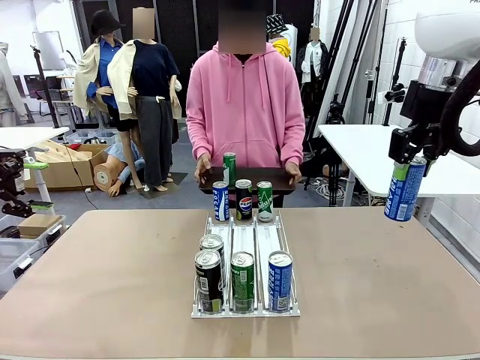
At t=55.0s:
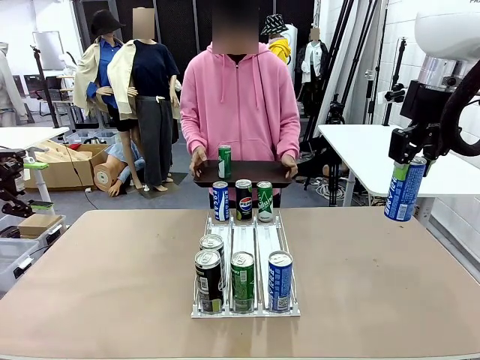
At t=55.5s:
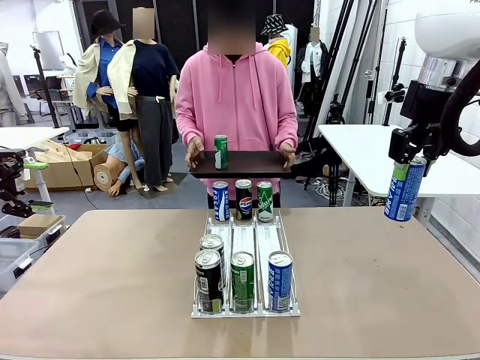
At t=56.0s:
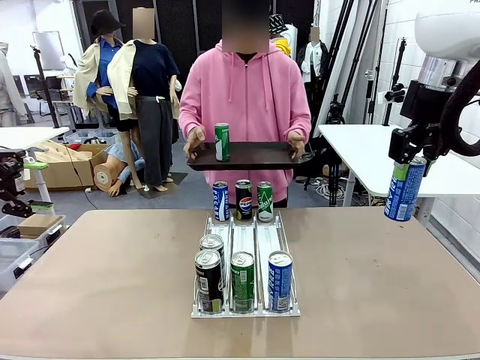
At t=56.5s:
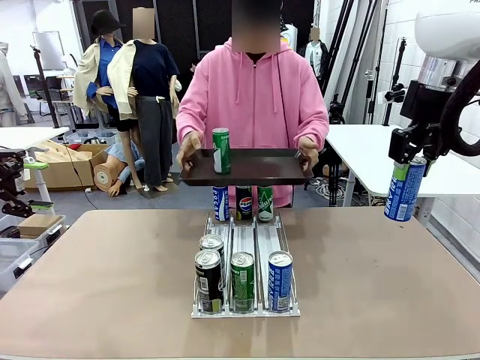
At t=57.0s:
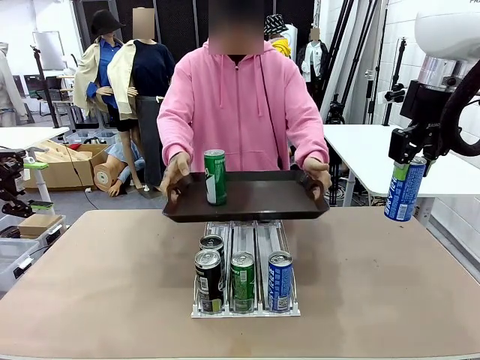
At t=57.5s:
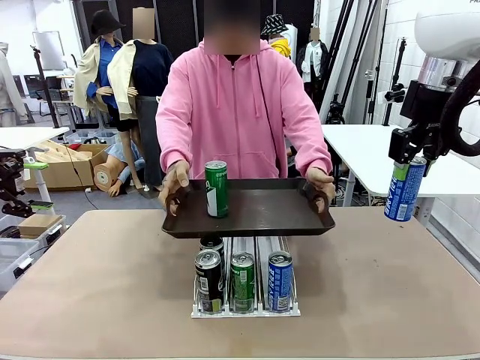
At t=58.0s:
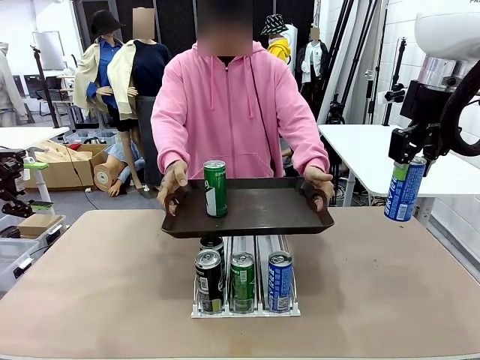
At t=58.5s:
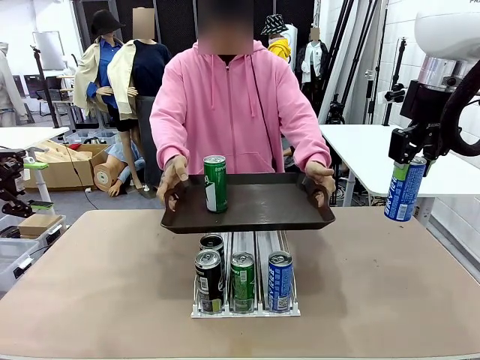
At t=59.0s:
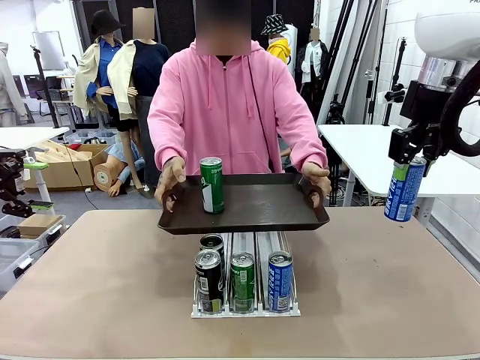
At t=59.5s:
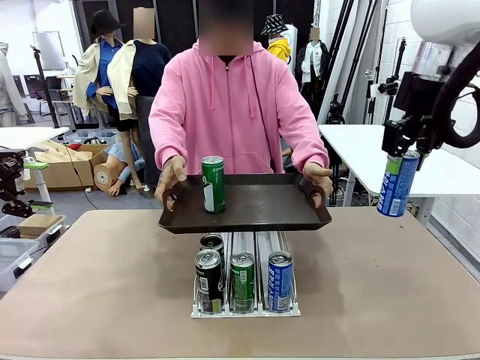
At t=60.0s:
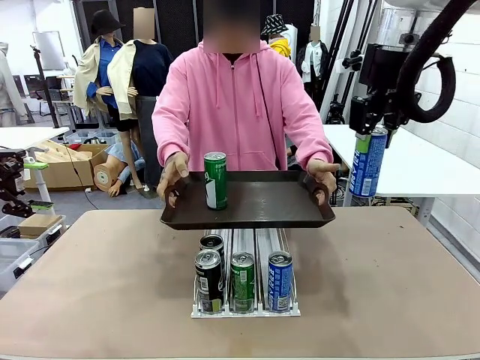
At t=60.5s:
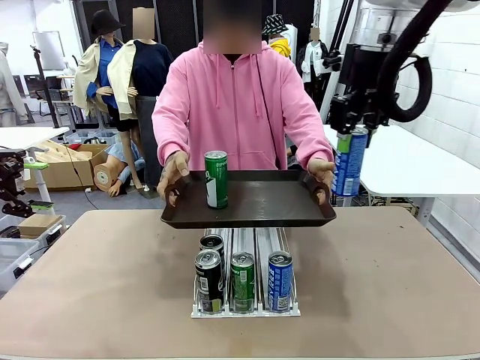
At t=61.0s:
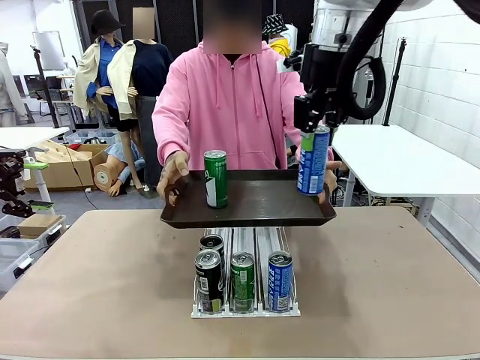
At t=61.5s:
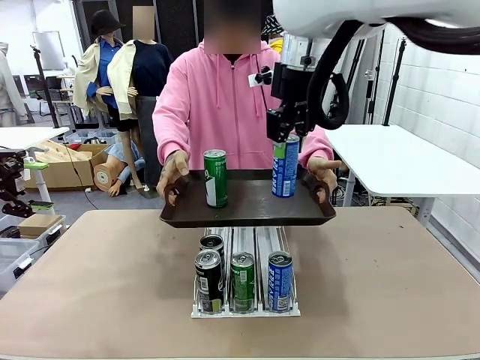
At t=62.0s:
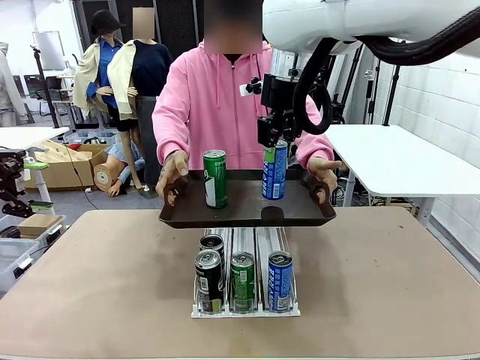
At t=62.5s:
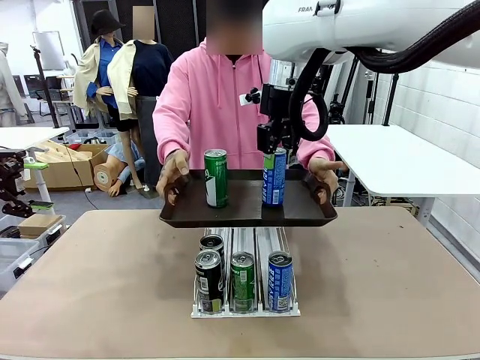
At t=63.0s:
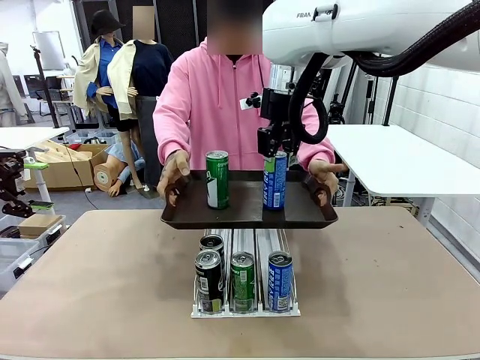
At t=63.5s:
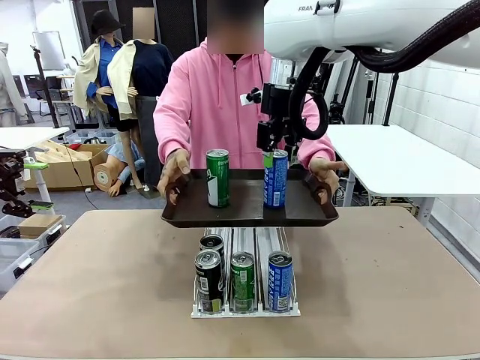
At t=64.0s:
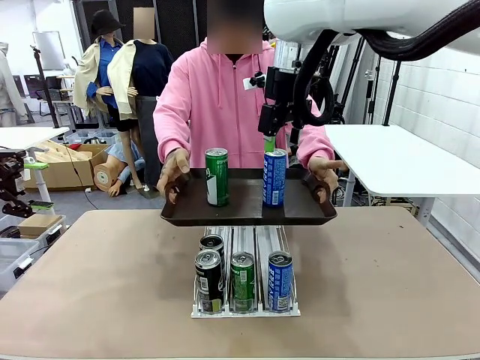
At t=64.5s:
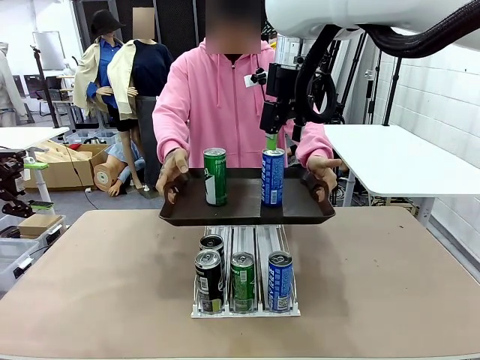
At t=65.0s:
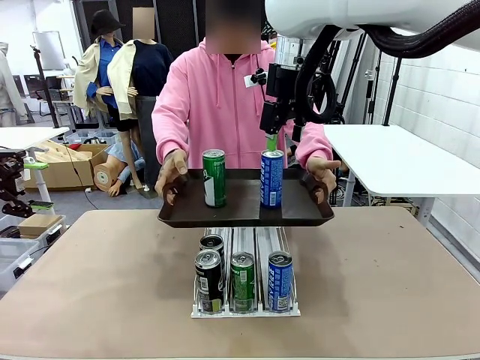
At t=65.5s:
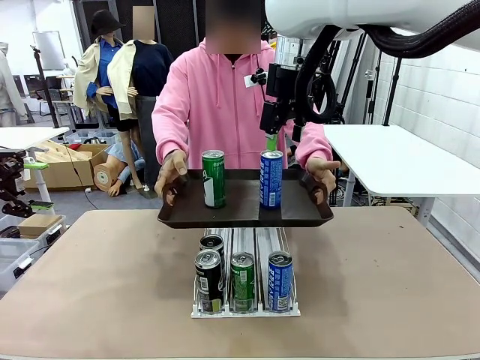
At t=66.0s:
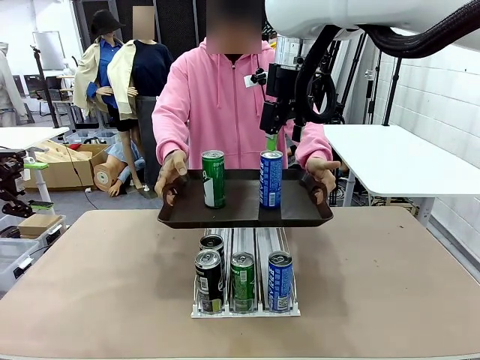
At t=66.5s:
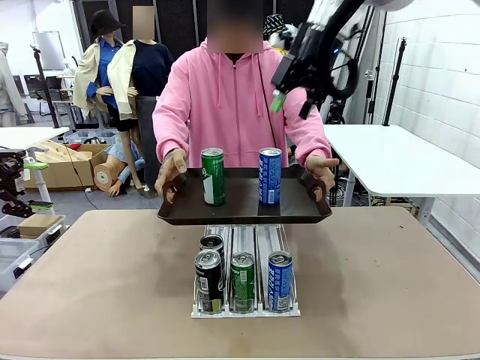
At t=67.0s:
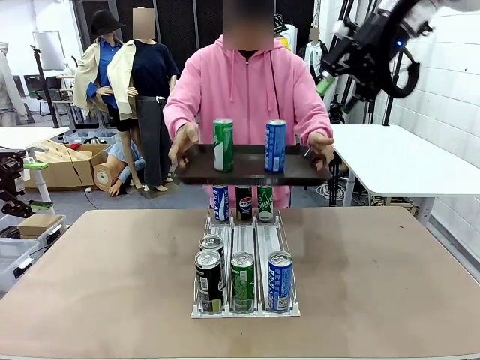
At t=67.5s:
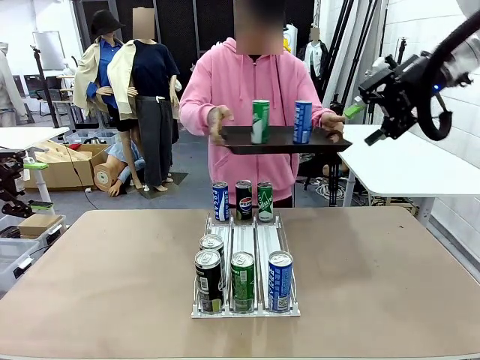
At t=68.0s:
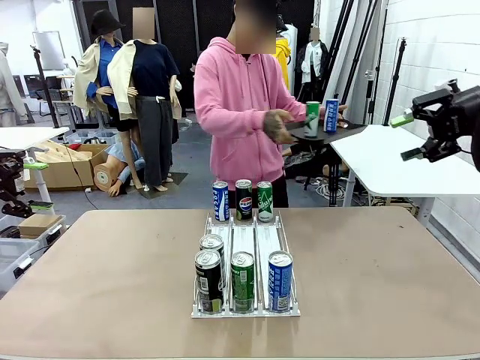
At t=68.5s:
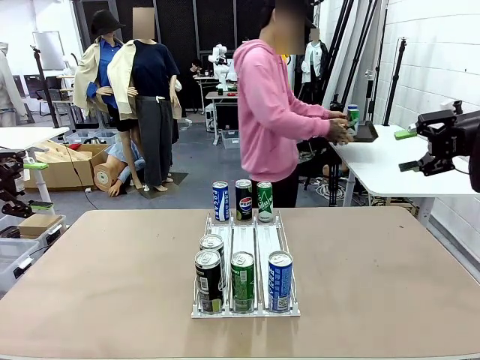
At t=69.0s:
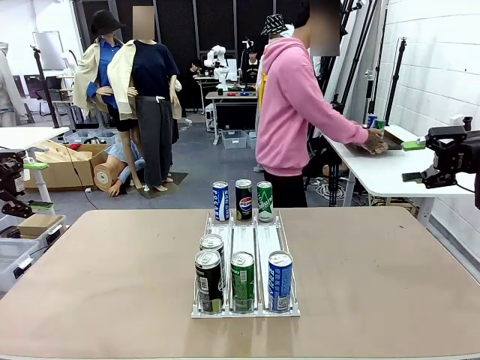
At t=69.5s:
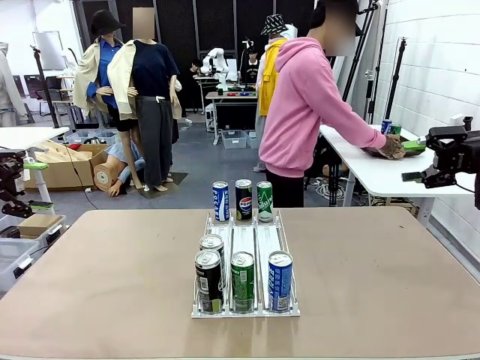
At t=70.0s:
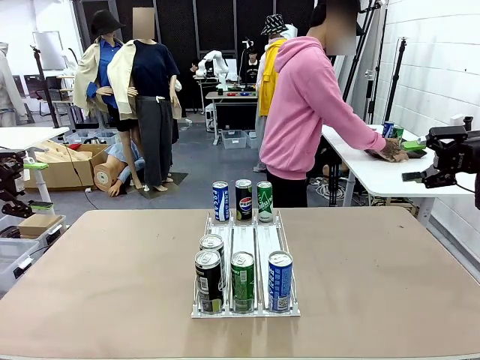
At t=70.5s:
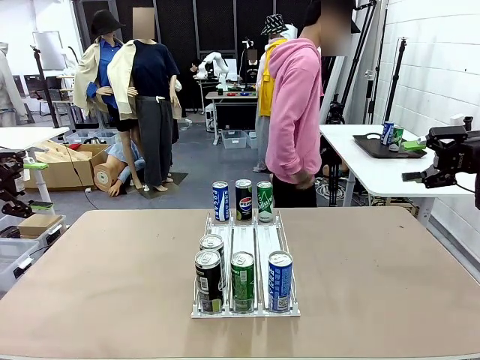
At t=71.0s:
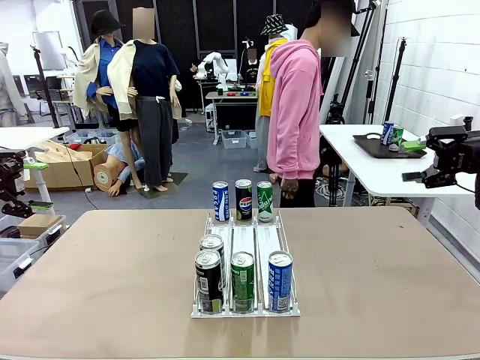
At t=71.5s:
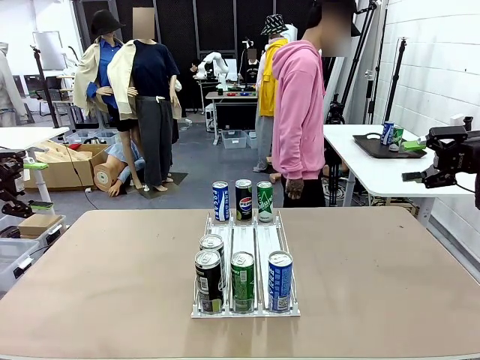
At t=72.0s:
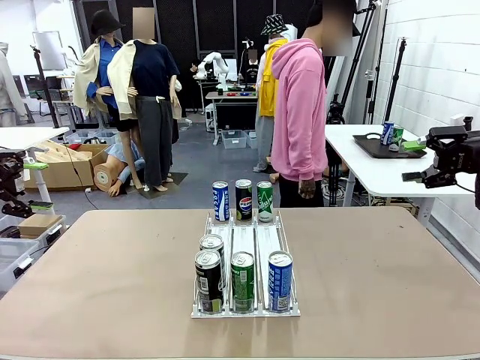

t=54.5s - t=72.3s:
Task: Retrieve and hand over the desired beverage to the person.
Robot: Place the picked can on the Handle tray extended by the person.
Person: Pull the tray back and place it at the center of the human table.

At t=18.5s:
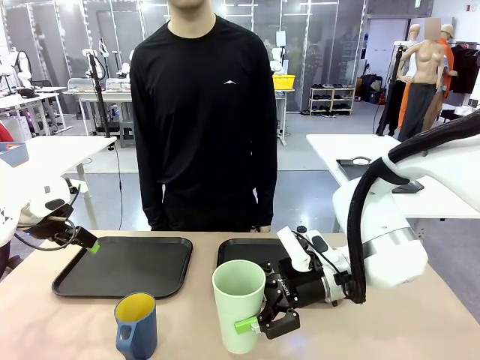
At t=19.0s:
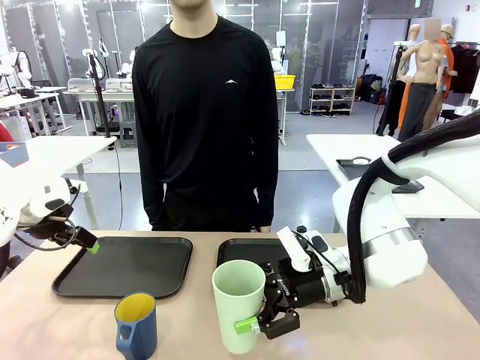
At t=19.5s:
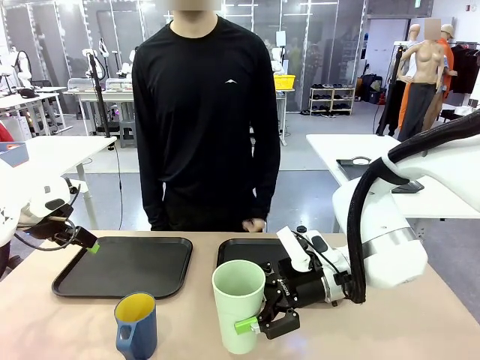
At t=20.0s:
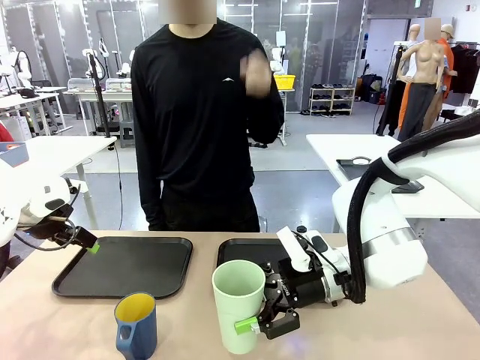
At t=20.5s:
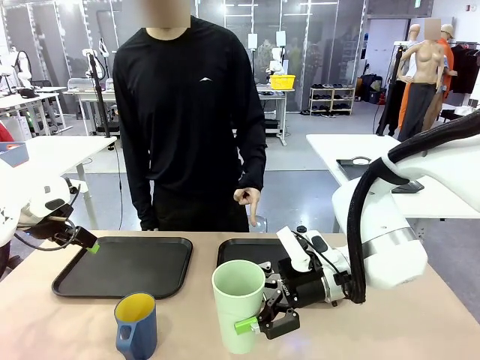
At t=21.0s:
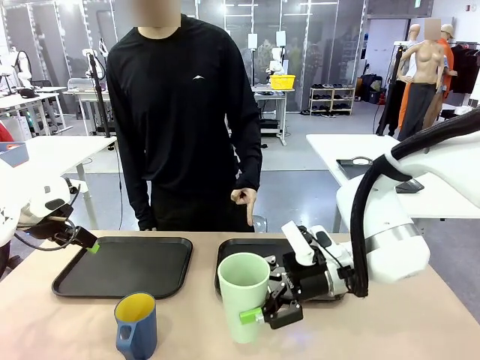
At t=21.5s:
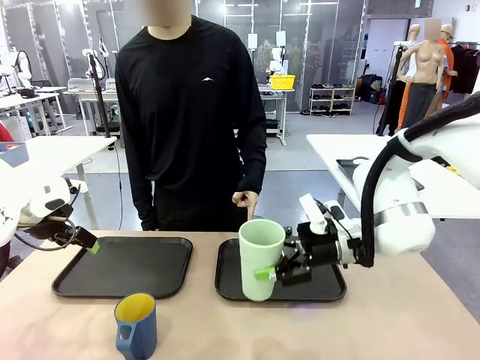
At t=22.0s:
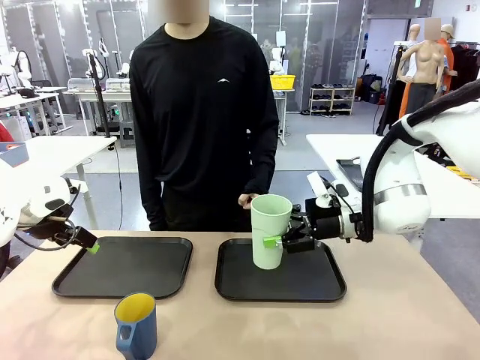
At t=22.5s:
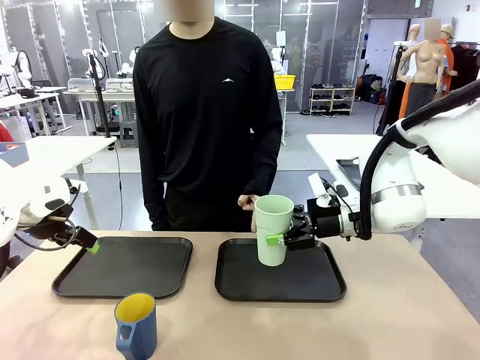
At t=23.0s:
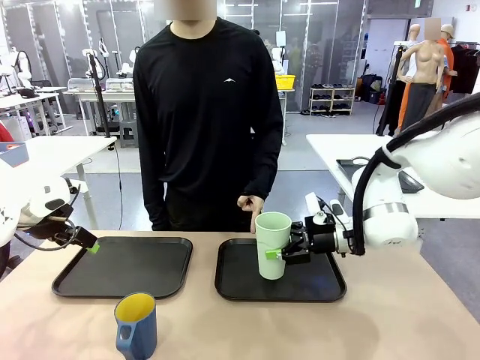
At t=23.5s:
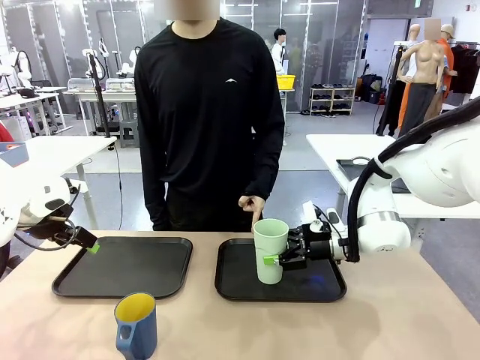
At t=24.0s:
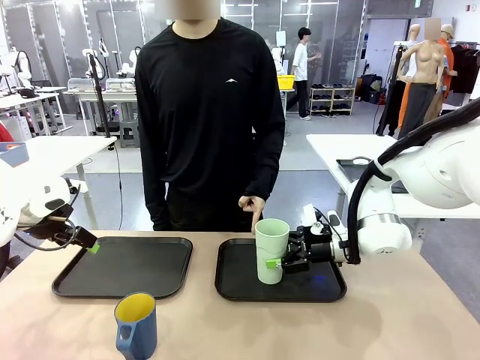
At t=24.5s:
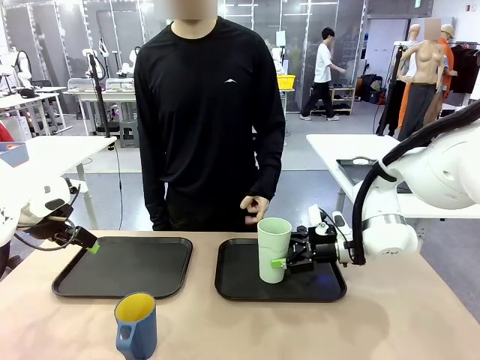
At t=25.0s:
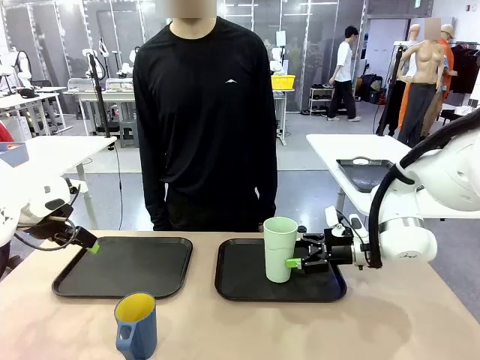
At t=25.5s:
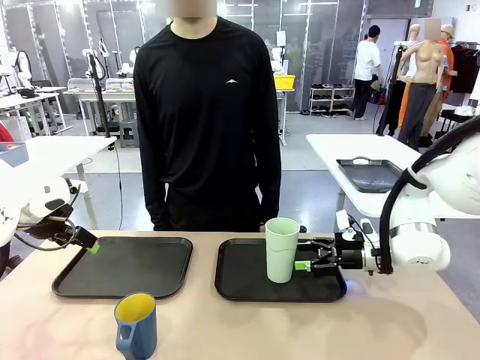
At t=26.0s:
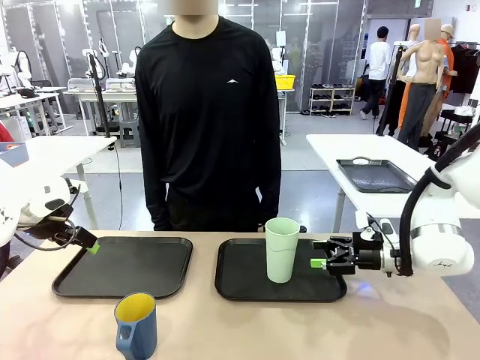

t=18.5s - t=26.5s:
Task: Sort and store the cups by type.
Robot: Place the picked Reusable plastic cup into the Flat Tray indicated by the person.
